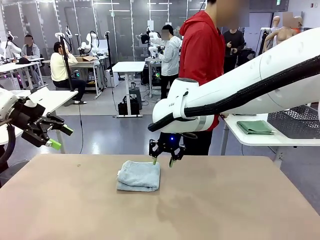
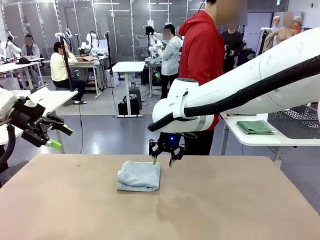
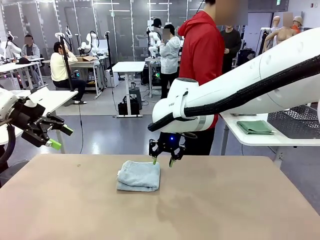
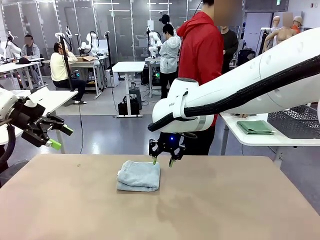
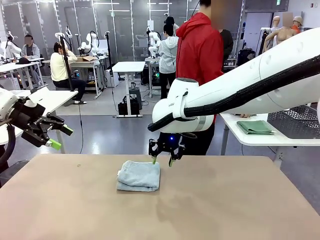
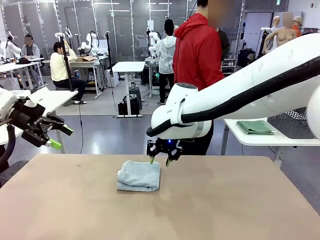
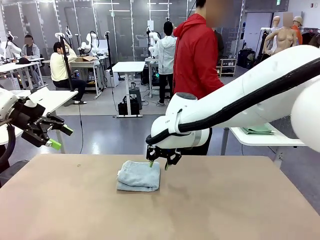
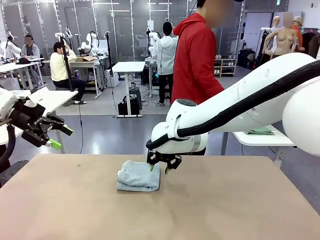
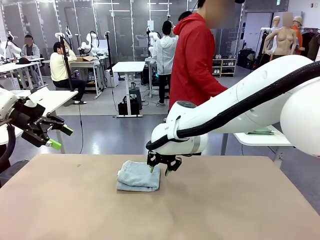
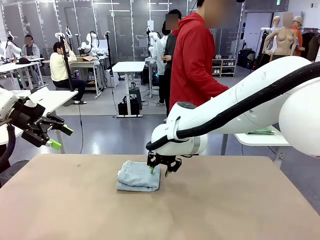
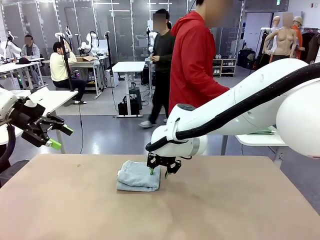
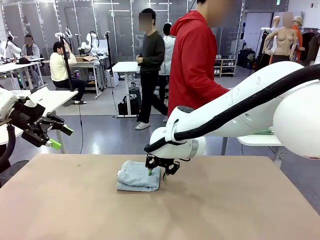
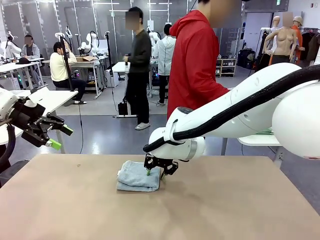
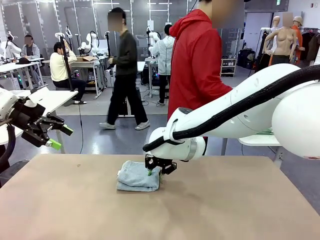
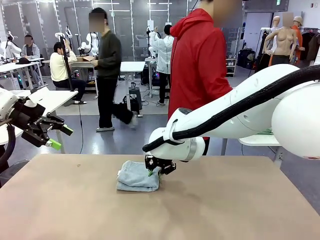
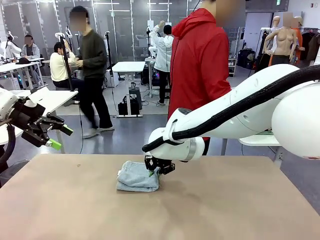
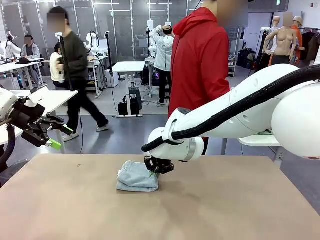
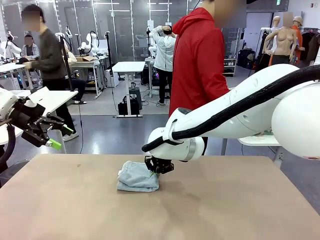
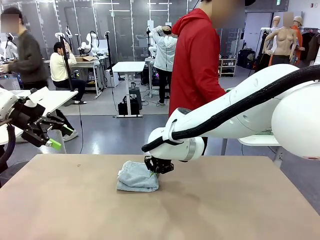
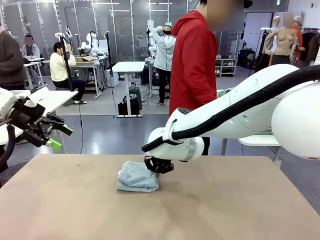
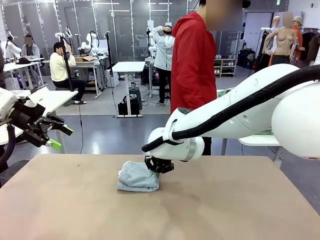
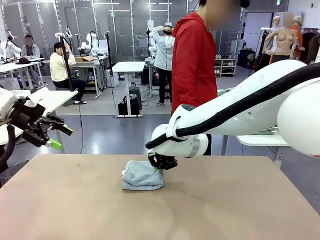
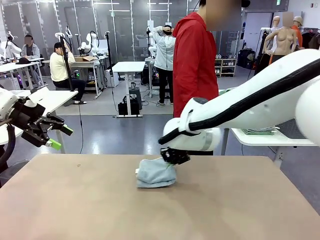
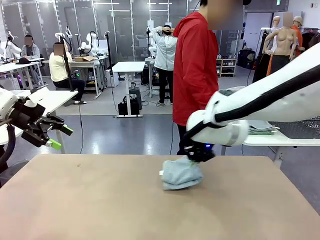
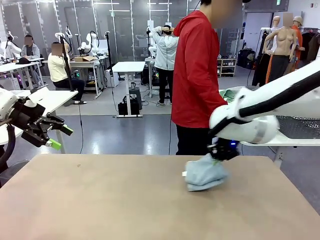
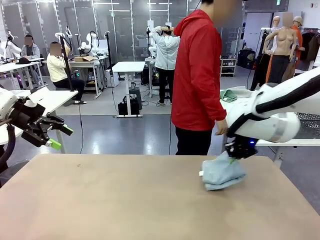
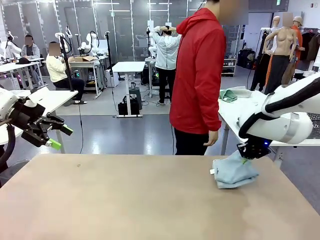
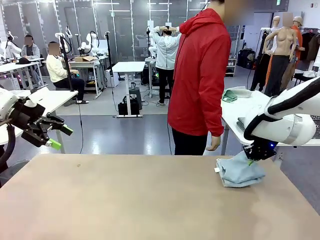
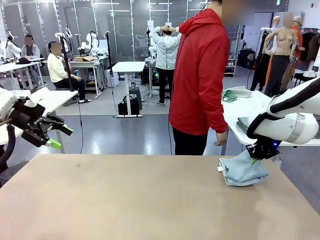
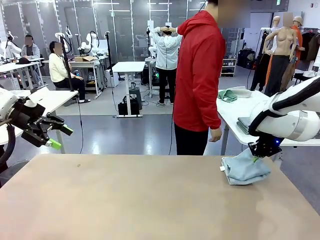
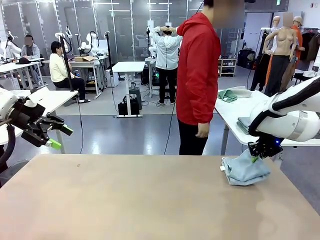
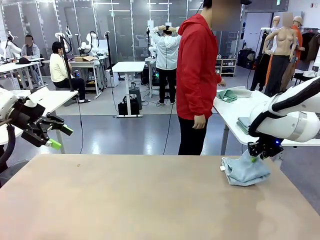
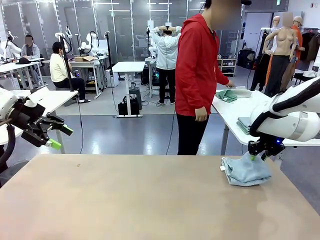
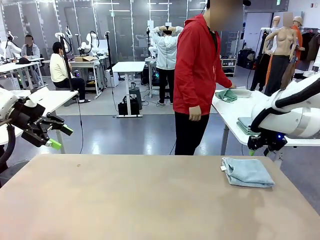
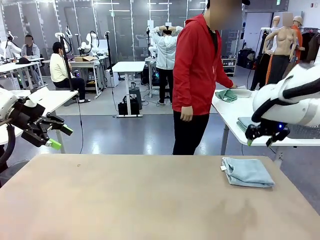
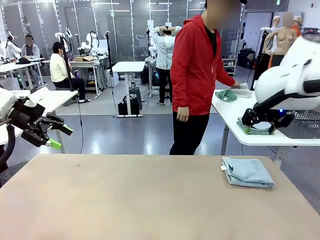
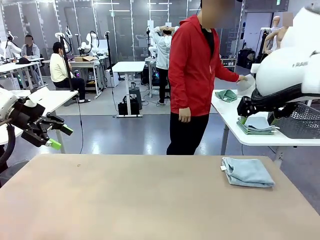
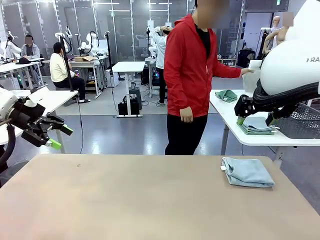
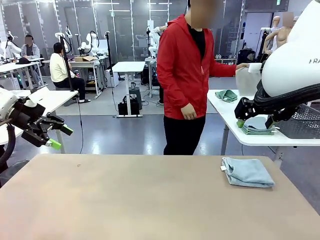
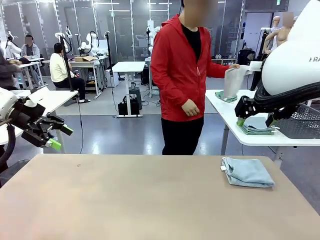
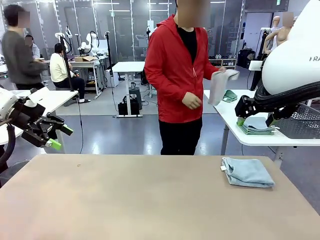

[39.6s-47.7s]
Task: Fold the towels and place them in the basket.
Robot: Place the folded Towel with hook on the right side of the table.

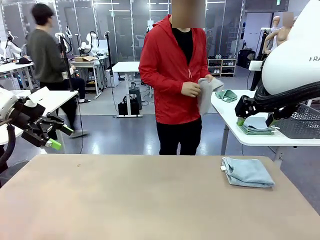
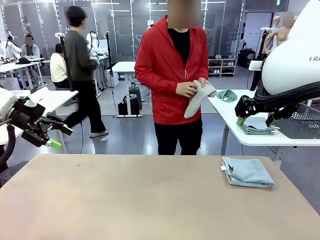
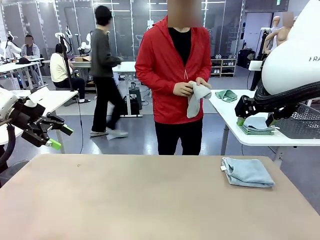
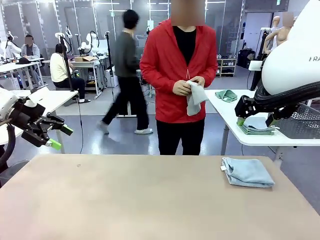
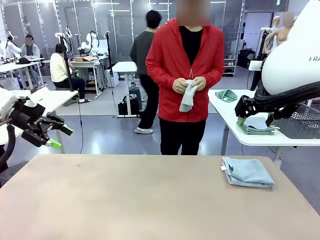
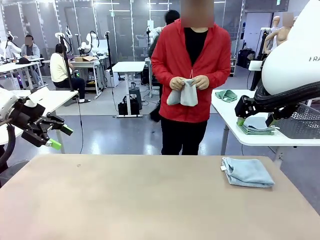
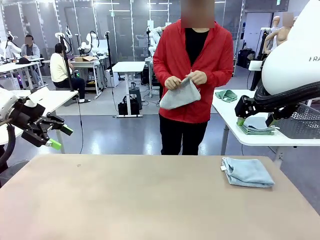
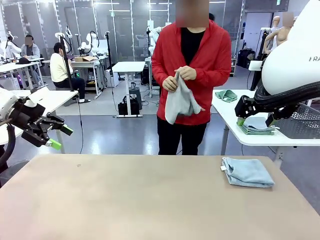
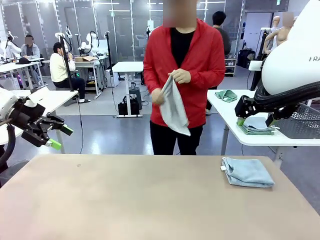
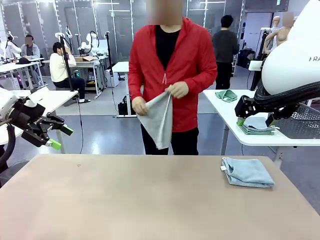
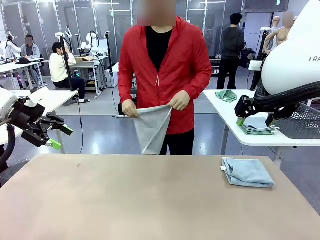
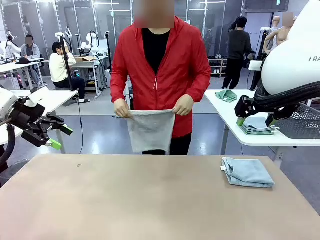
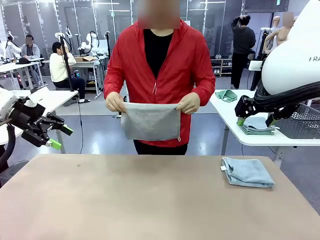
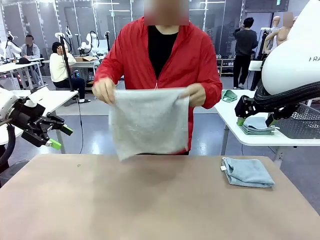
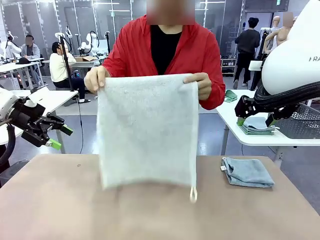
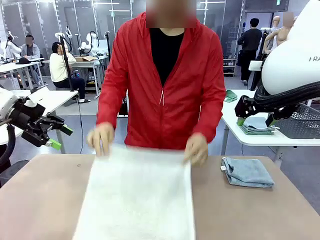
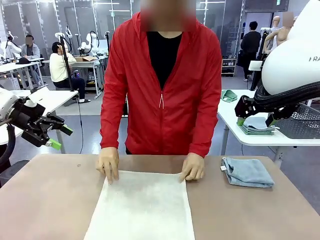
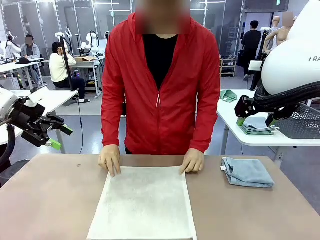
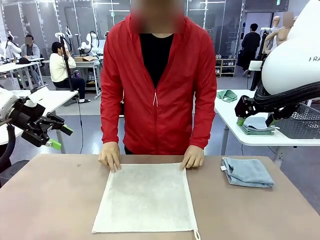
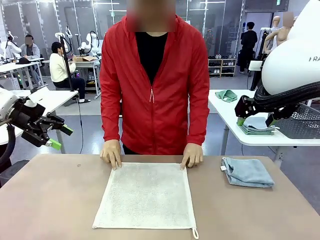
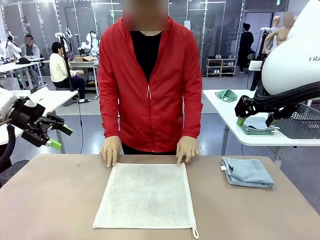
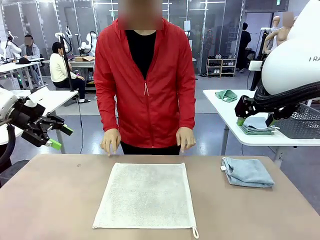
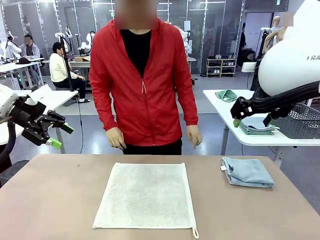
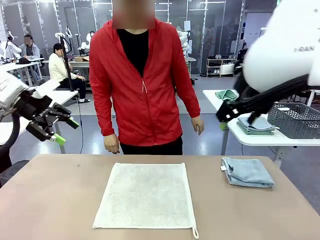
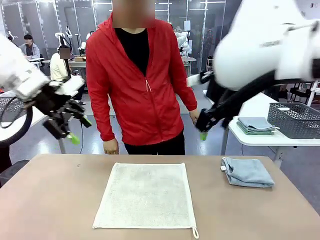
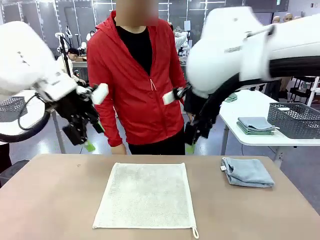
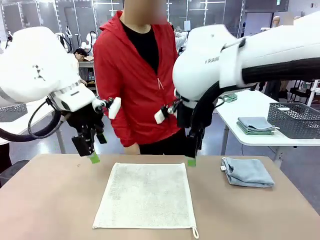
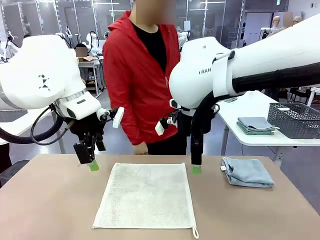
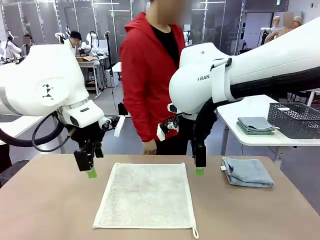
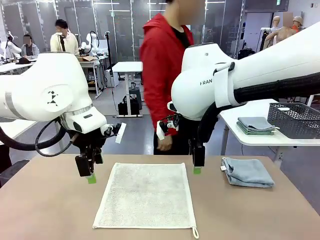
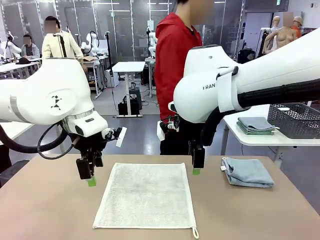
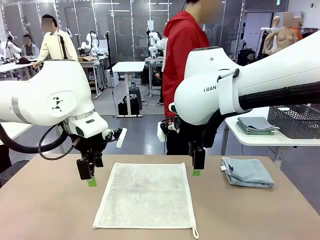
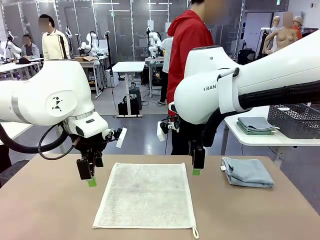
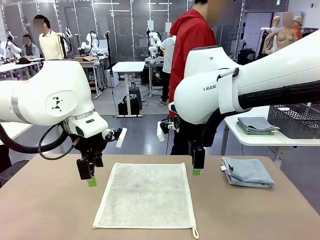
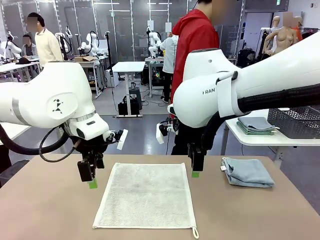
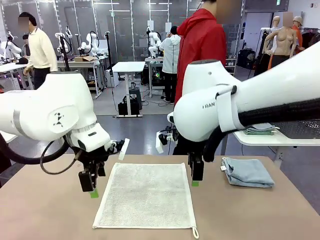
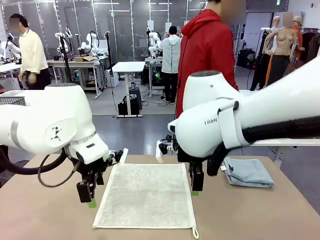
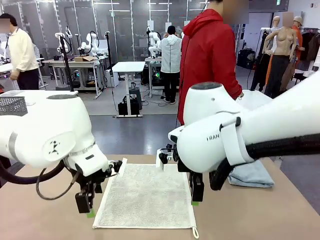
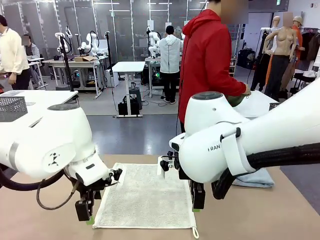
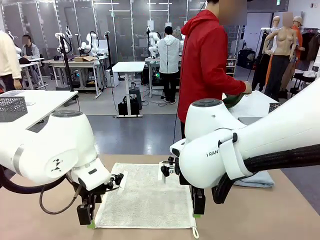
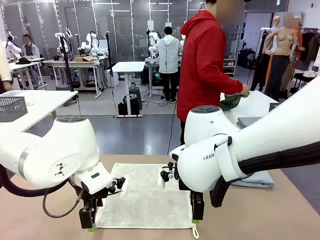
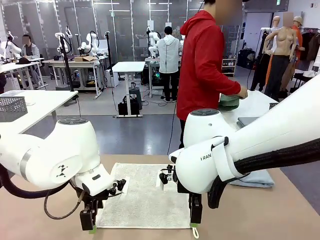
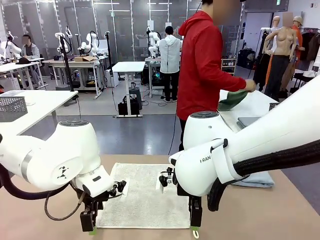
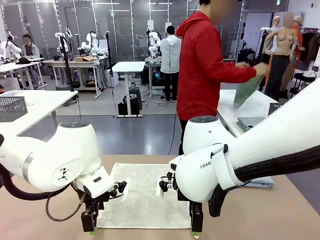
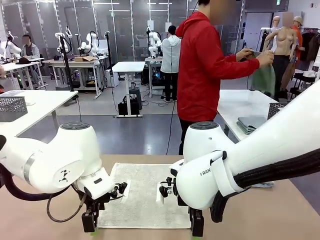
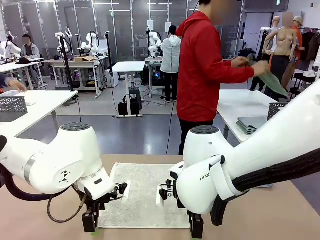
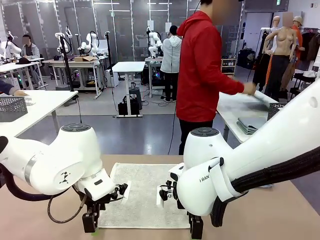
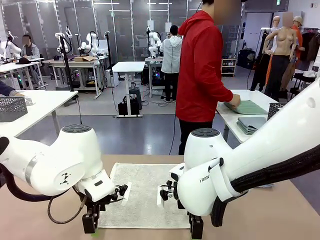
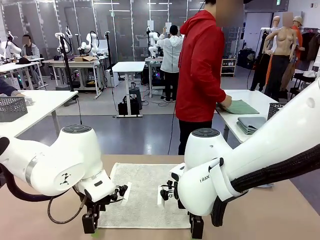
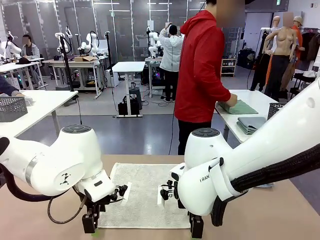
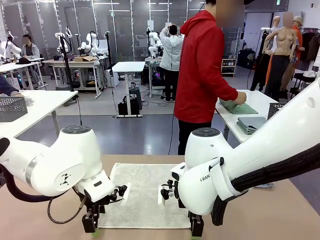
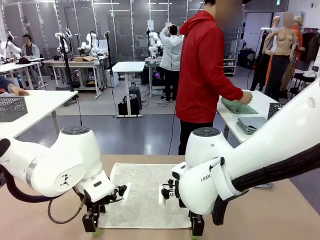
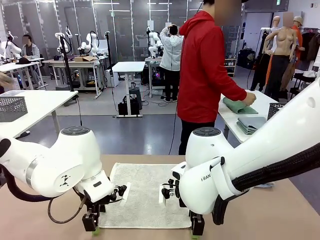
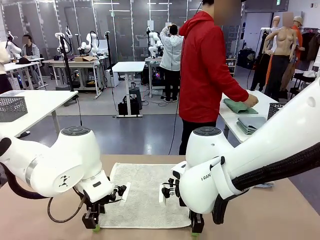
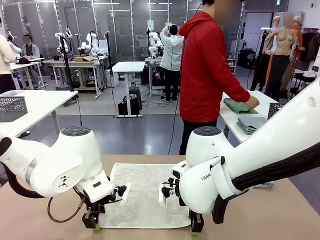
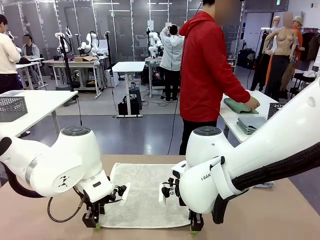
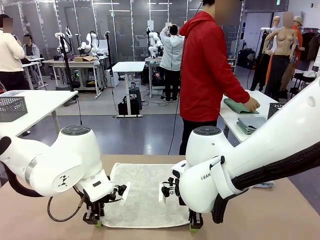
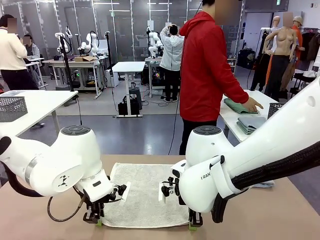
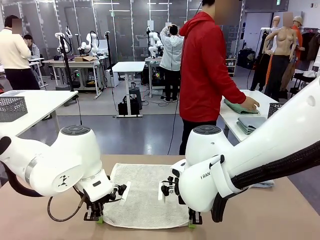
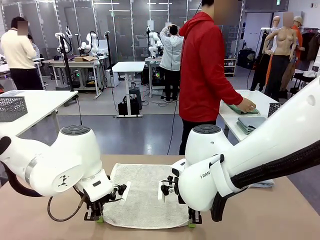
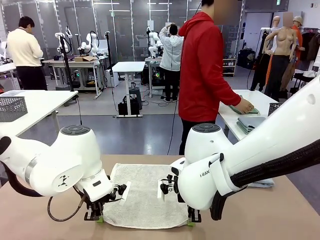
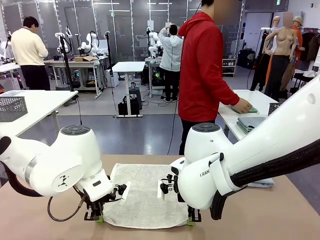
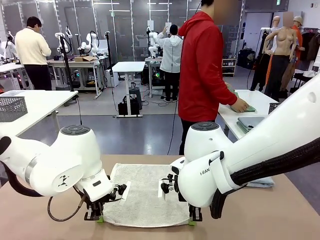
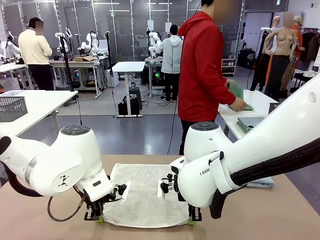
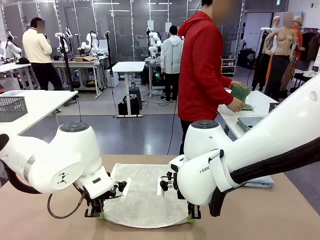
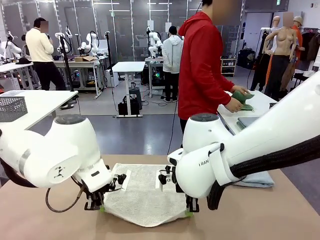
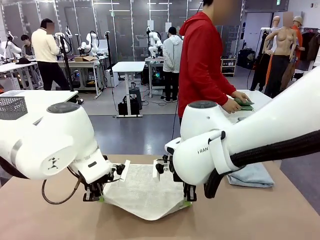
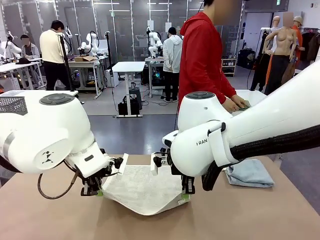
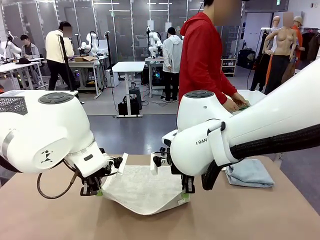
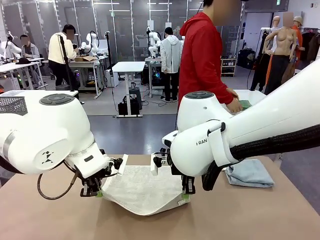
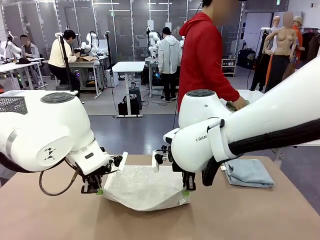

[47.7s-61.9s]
Robot: When a person lays out a Towel with hook on the table, fold it in half twice.
Person: Pick up one towel from the left side of the human table and spread it out at the center of the robot table. Pick up one towel from the left side of the human table, fold it in half twice, and stack it on the right side of the table.
